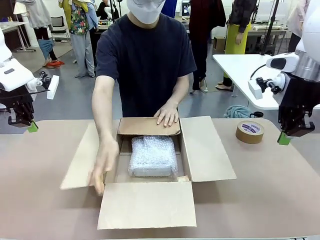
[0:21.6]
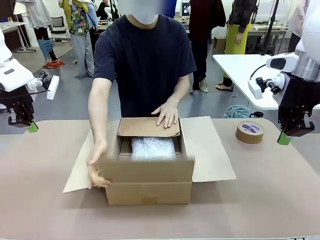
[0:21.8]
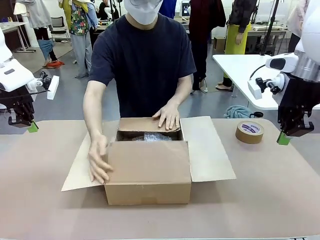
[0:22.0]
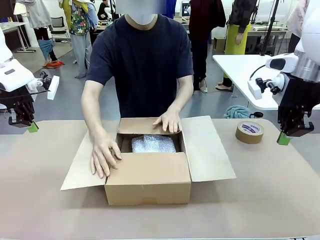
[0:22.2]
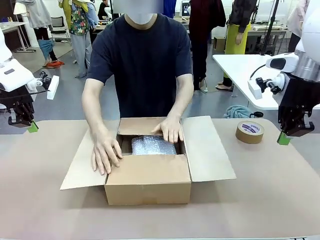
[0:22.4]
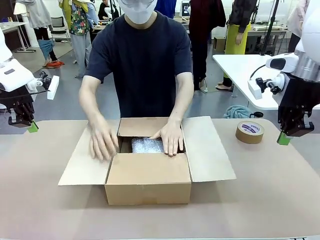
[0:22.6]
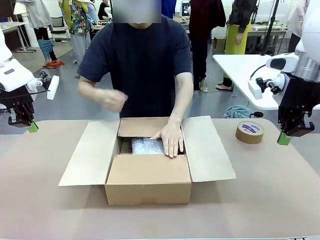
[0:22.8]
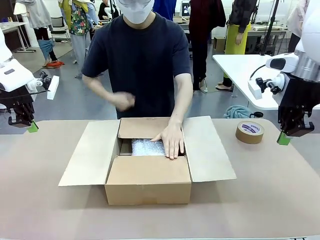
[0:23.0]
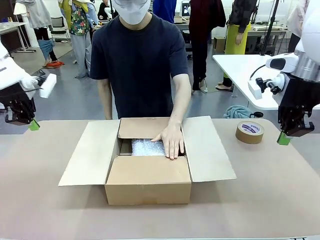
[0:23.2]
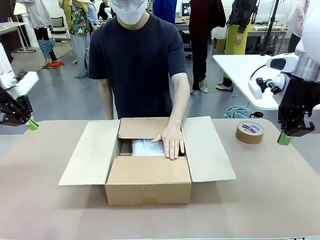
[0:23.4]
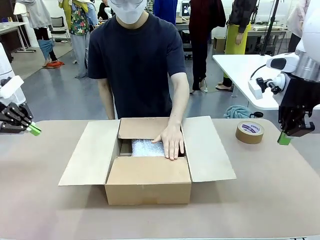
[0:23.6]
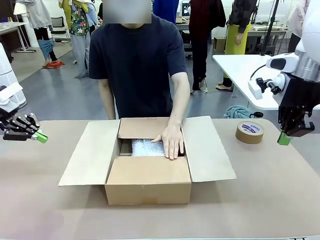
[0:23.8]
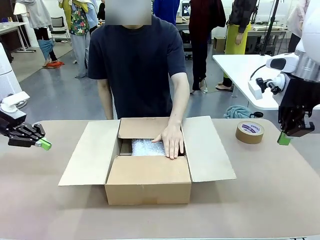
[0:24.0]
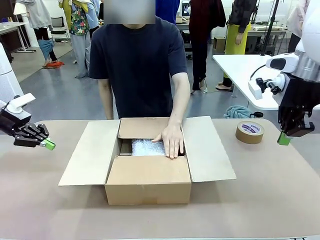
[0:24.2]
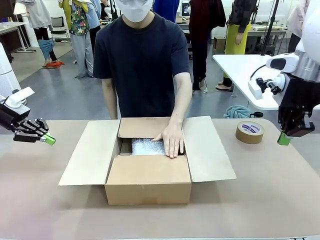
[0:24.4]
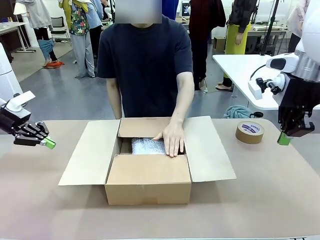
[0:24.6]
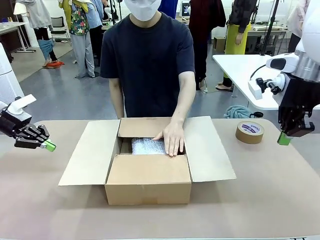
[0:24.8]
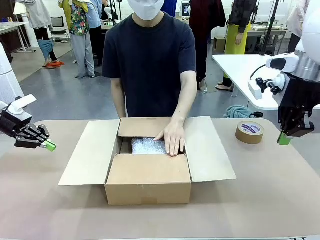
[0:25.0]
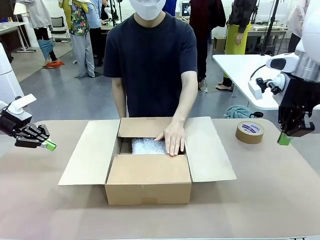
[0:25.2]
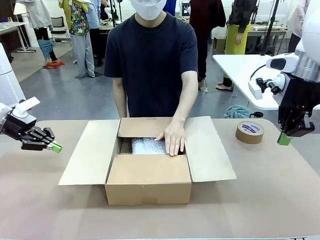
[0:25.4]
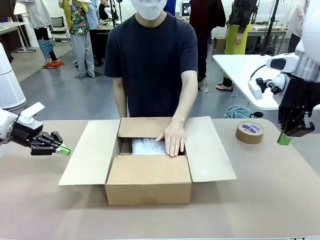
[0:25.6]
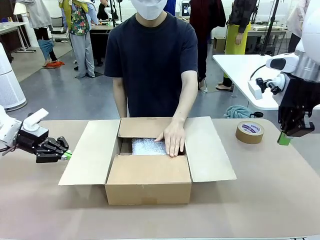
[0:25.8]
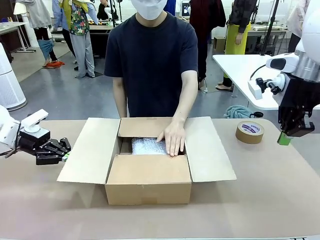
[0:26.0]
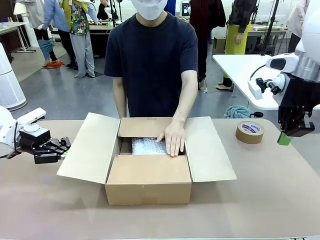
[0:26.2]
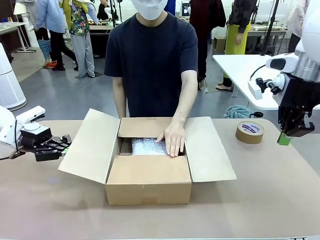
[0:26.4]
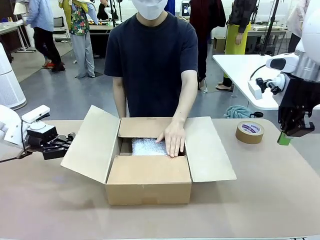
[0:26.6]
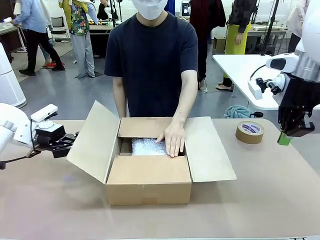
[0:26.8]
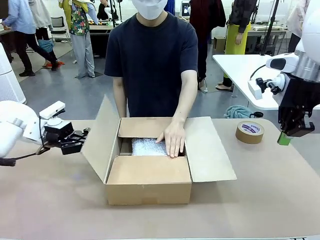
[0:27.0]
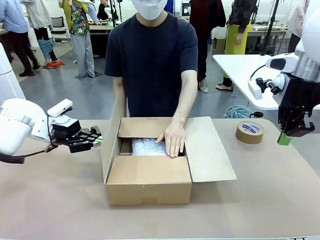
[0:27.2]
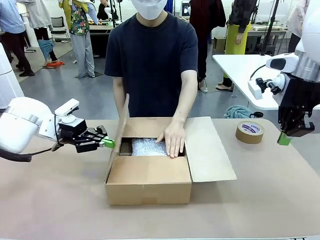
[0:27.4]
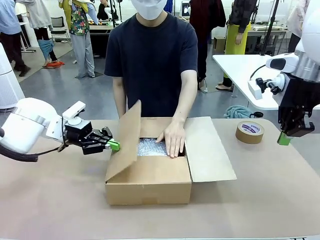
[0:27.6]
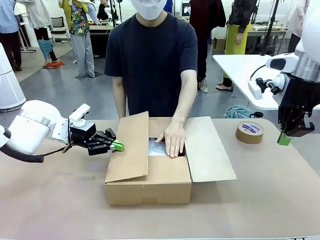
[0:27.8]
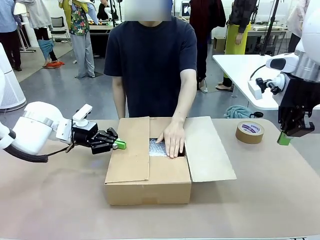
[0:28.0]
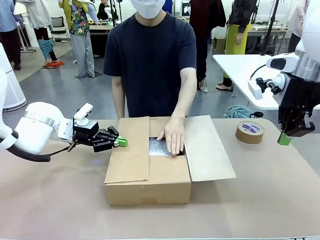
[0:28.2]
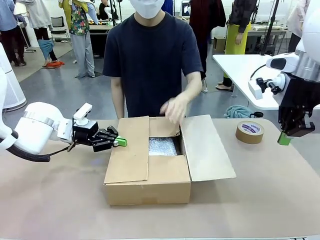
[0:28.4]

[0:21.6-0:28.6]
Task: Wrap the clocks to prevent damage.
Robot: Push the right (or left) flap of the Package Box to close it.
Person: Once the robot closes the right flap of the Package Box , release your left hand from the box.

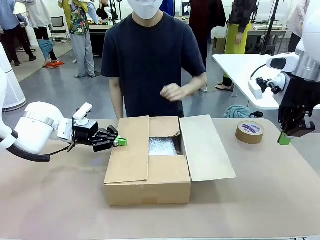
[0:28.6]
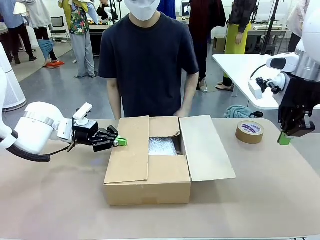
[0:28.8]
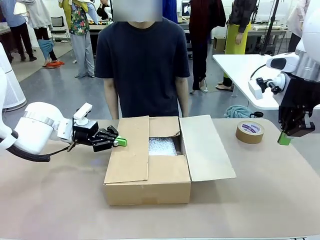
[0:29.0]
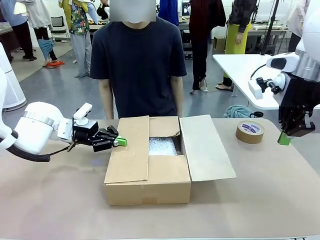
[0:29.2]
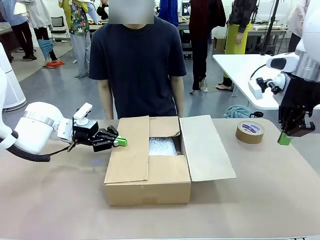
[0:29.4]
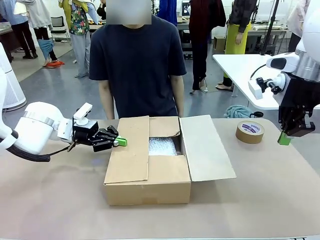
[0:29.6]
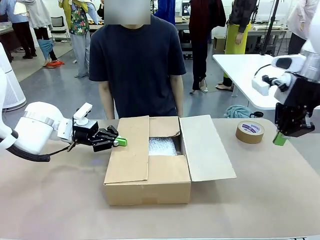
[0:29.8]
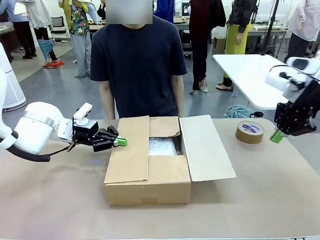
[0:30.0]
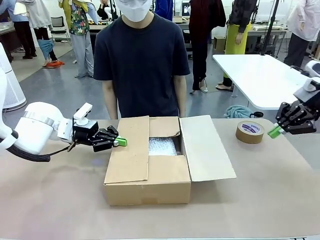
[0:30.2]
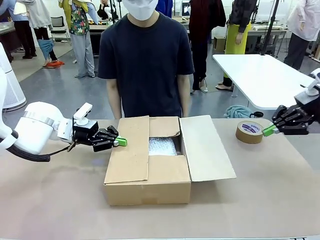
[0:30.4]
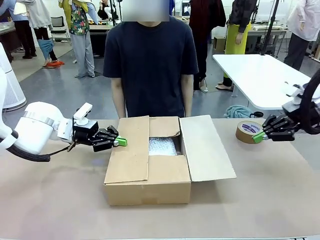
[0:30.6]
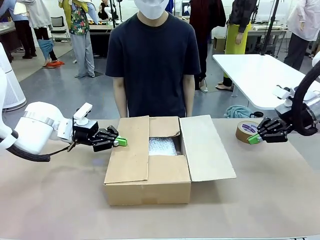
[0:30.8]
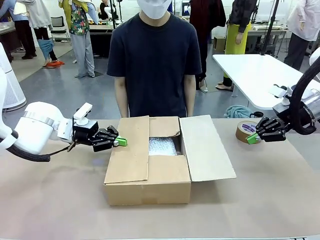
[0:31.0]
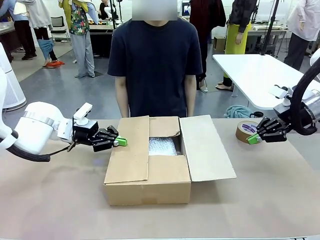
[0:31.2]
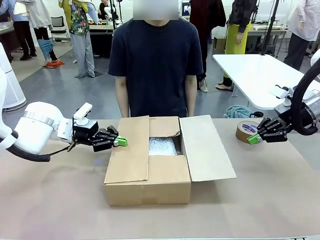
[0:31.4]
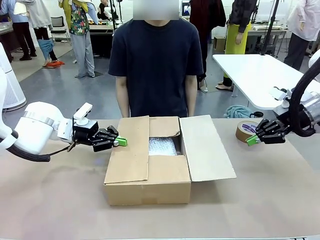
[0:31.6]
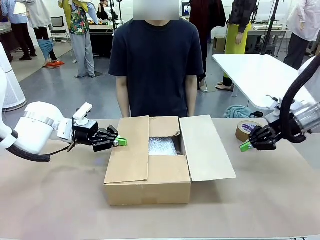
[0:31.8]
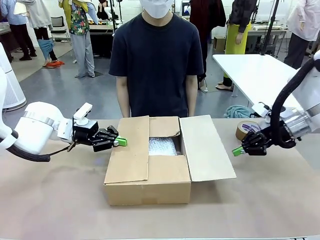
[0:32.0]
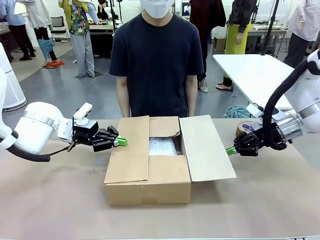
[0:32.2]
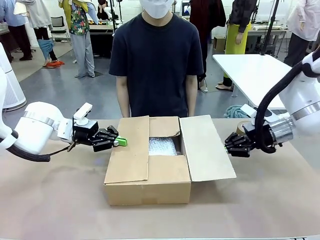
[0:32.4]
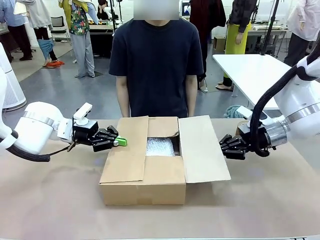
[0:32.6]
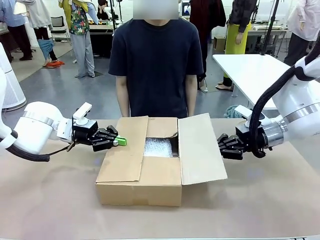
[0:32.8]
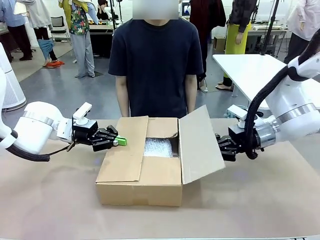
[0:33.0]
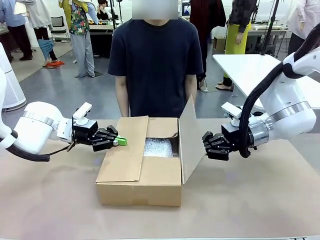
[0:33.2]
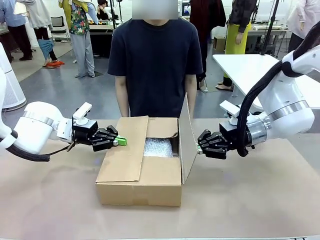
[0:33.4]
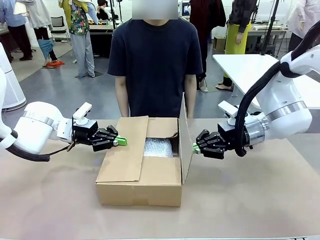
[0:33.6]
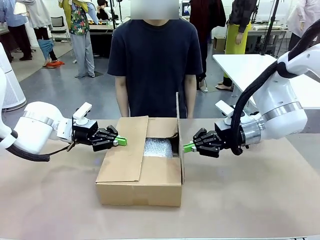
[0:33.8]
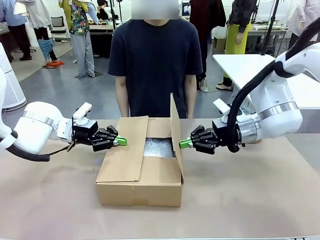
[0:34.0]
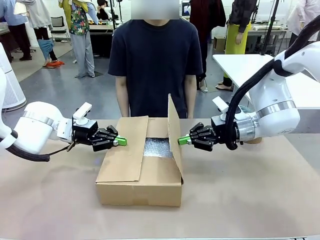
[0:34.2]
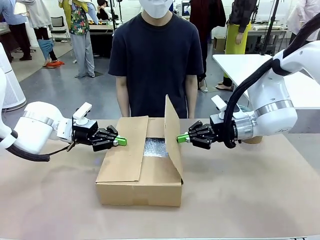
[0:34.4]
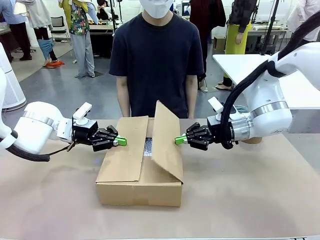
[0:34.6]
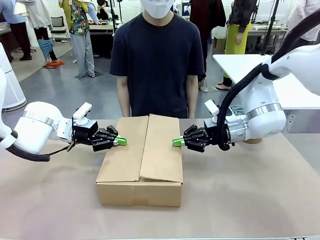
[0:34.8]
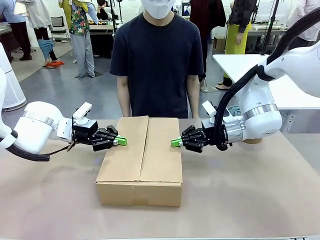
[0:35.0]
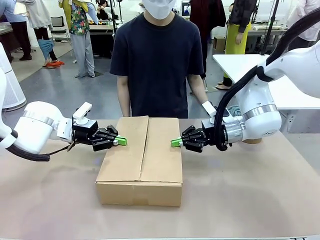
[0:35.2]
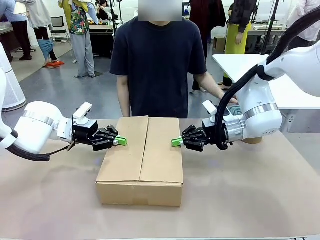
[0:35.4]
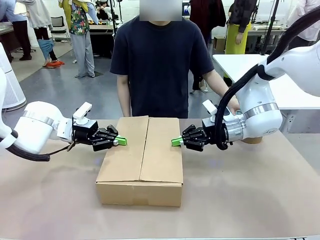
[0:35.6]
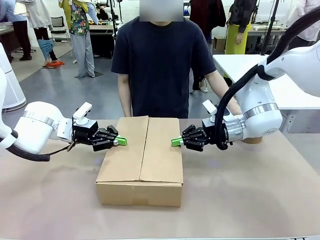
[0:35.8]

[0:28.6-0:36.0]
Robot: Push the left (or right) flap of the Package Box to close it.

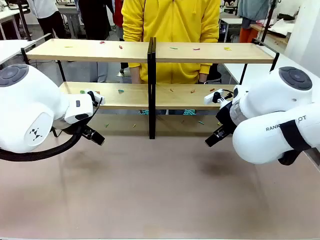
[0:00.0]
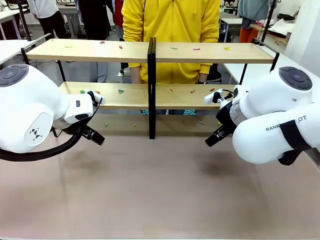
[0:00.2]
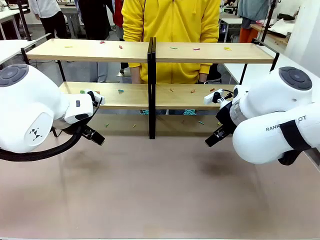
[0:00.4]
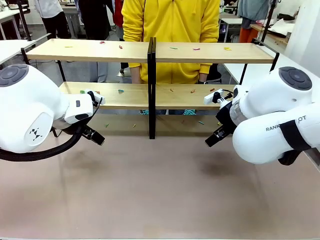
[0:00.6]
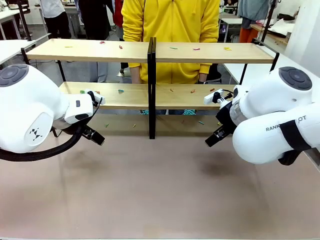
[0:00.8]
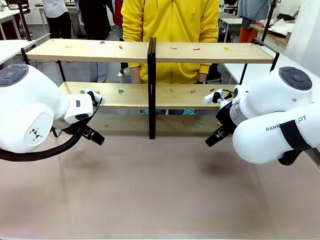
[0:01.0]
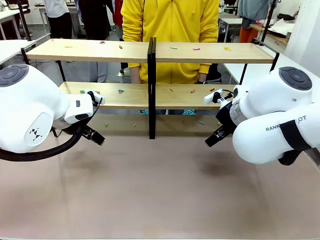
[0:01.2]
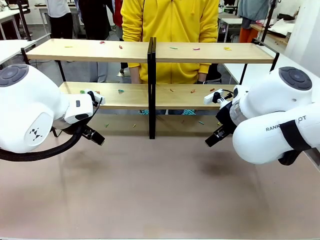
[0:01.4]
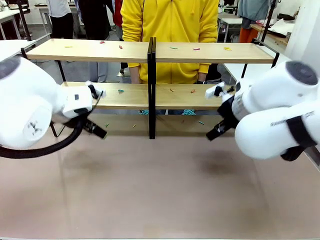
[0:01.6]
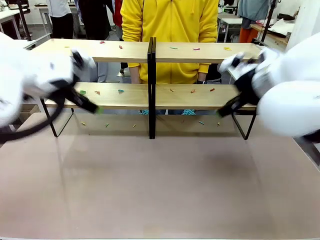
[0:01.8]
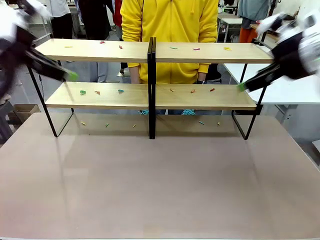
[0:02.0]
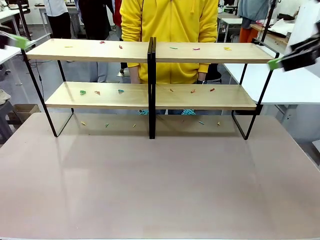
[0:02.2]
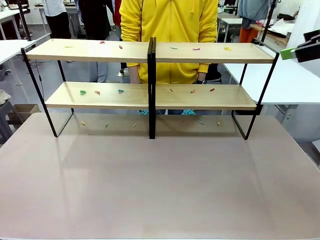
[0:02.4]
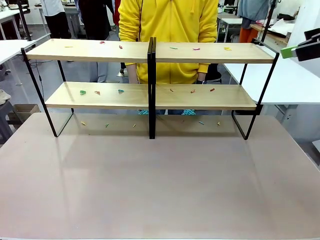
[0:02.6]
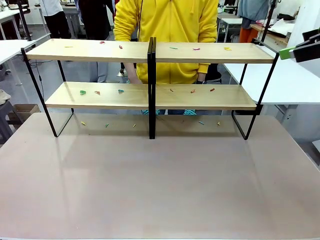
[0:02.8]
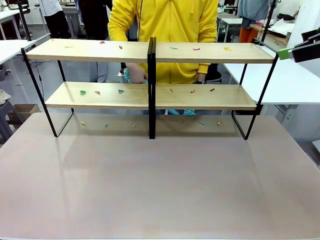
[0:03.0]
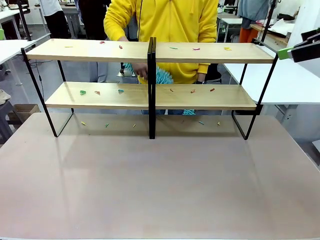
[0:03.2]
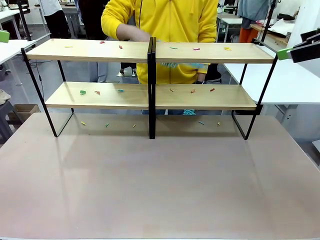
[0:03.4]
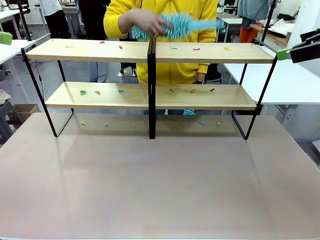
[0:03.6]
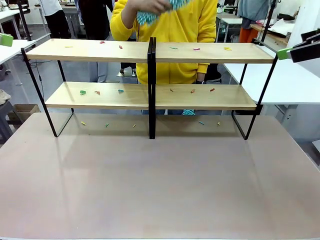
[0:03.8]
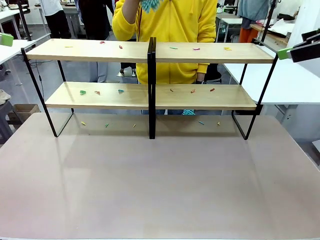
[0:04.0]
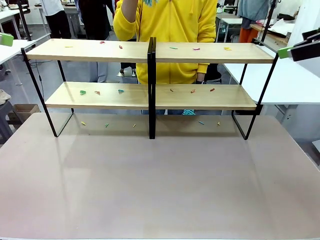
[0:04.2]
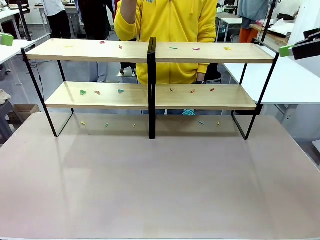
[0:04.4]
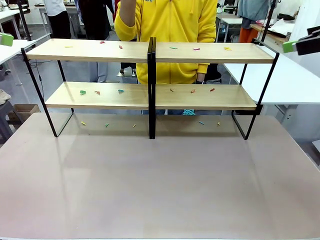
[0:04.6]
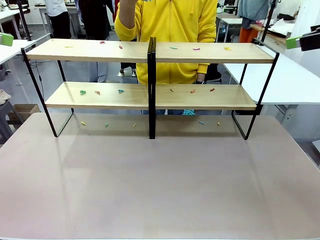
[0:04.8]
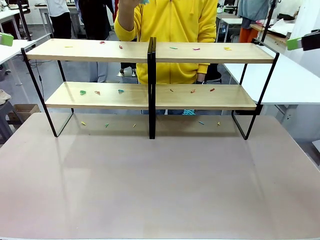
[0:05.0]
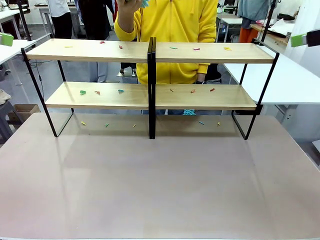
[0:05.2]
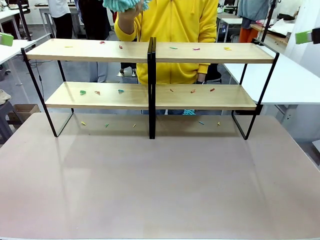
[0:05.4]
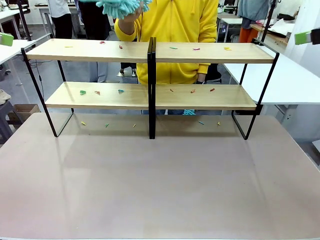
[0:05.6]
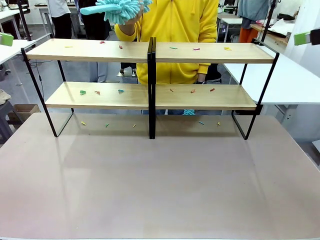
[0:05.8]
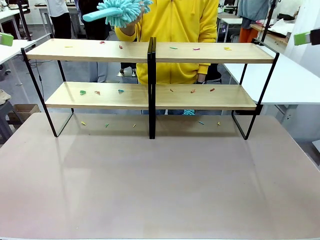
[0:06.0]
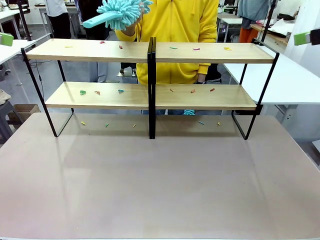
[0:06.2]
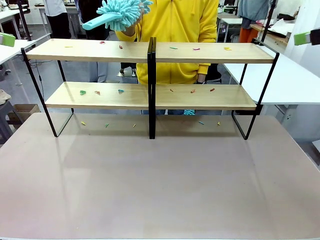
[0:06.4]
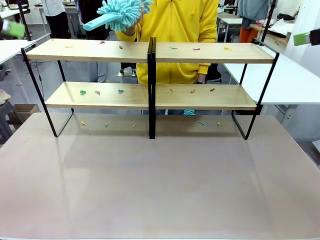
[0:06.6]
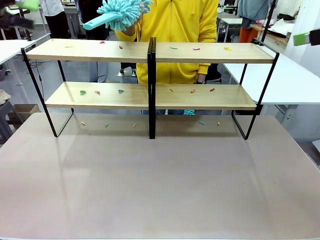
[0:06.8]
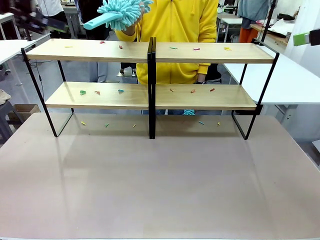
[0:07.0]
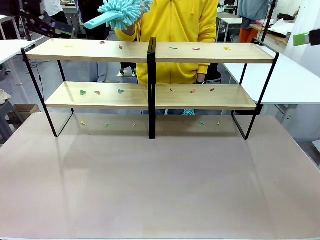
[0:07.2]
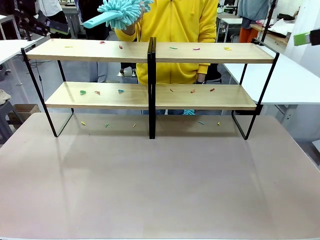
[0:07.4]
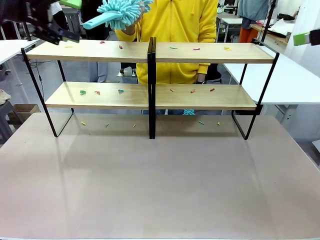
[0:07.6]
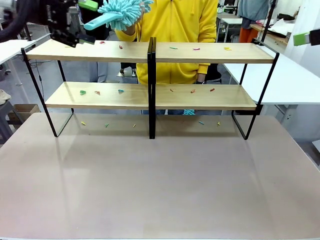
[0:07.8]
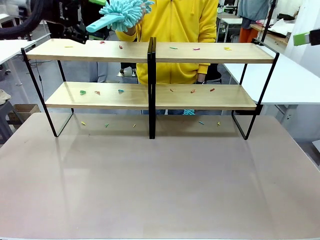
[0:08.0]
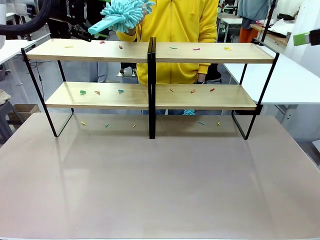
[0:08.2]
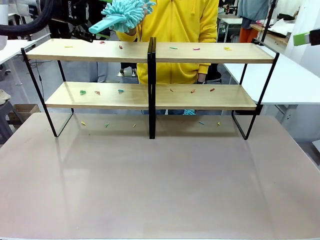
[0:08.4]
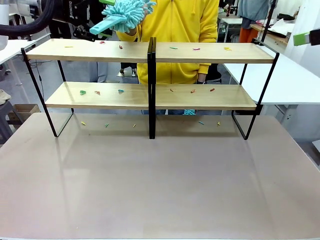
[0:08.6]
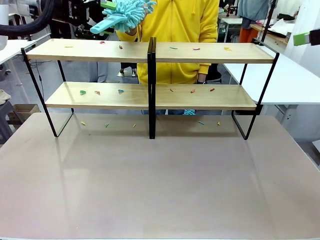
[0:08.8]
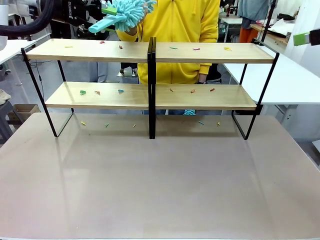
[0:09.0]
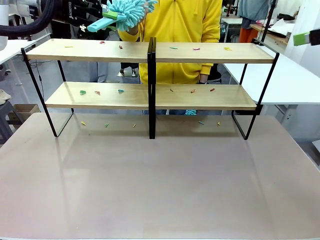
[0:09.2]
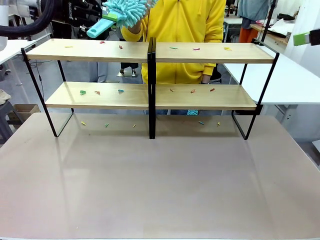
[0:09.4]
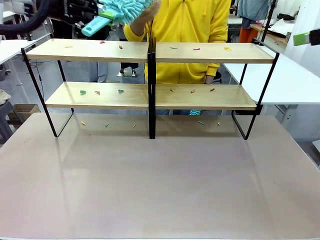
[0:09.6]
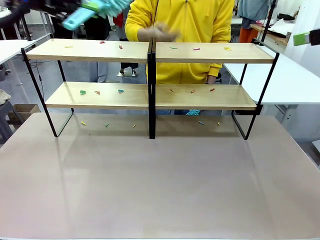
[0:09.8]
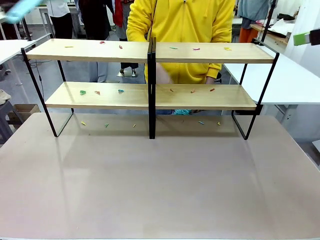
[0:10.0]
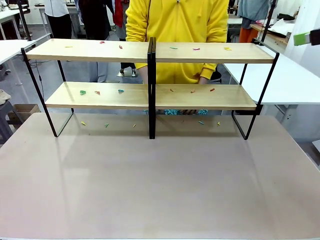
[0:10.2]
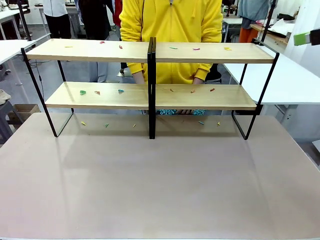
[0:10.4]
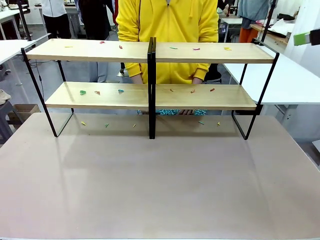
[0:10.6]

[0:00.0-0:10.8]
Task: Clean the shelves.
Robot: Pick up the Duster when the human hands it over.
Person: Hand the Duster to the robot with your right (or left) hand.
